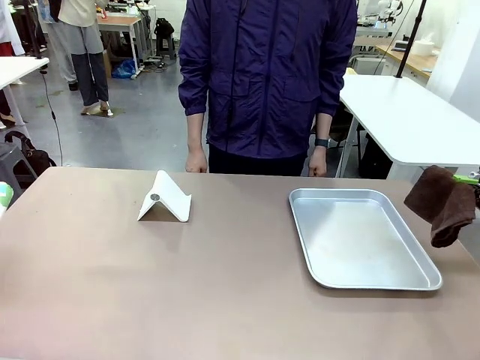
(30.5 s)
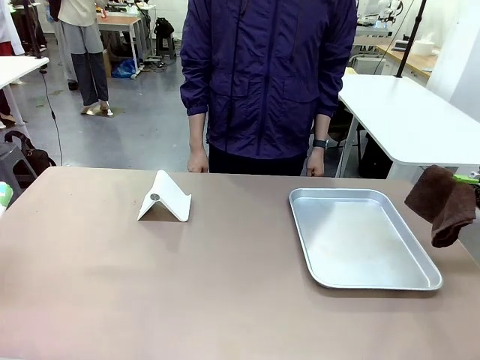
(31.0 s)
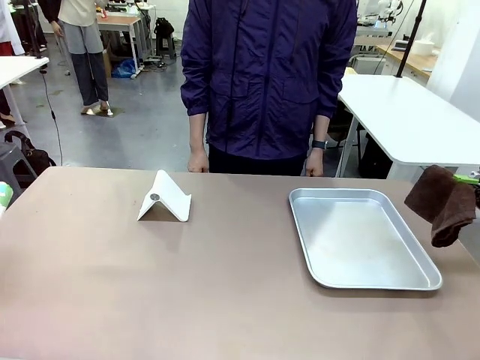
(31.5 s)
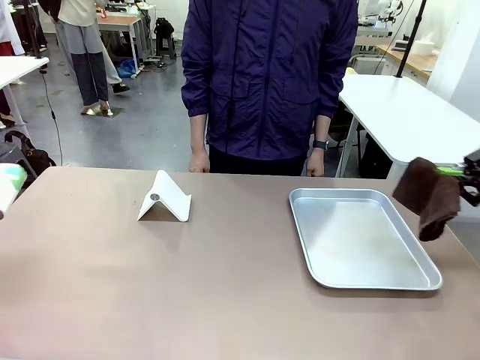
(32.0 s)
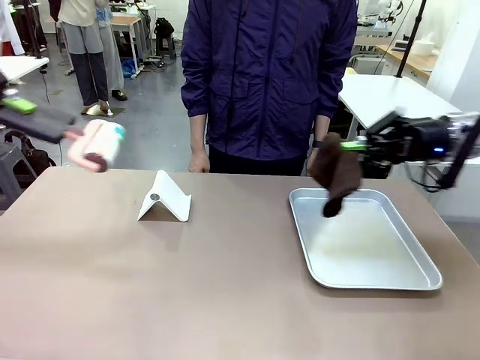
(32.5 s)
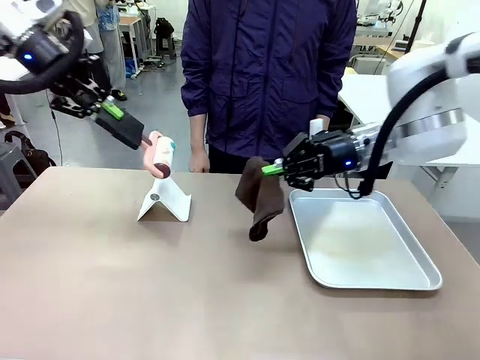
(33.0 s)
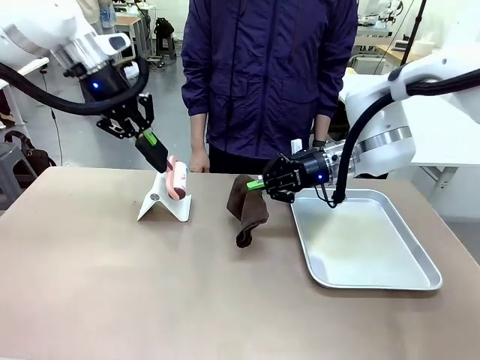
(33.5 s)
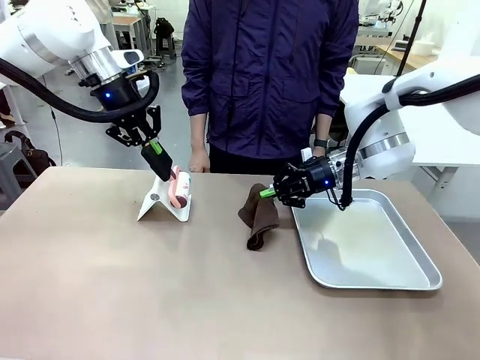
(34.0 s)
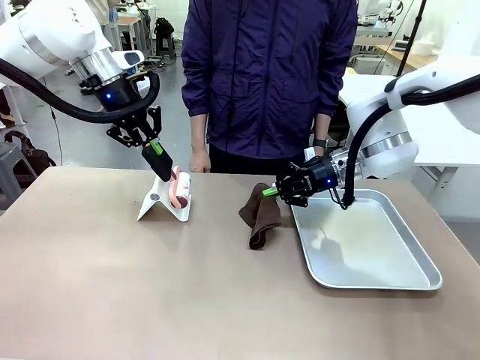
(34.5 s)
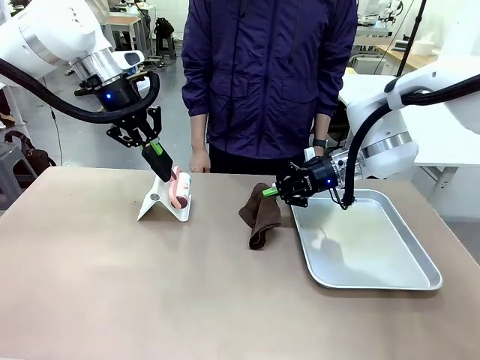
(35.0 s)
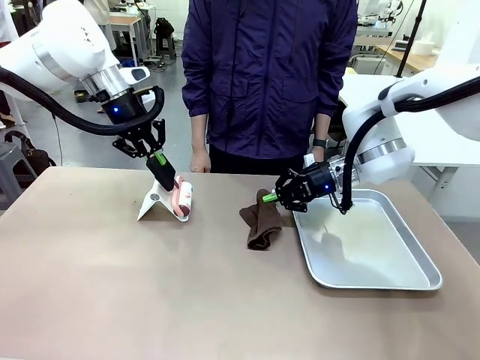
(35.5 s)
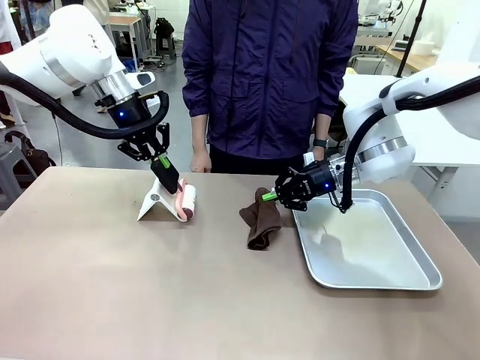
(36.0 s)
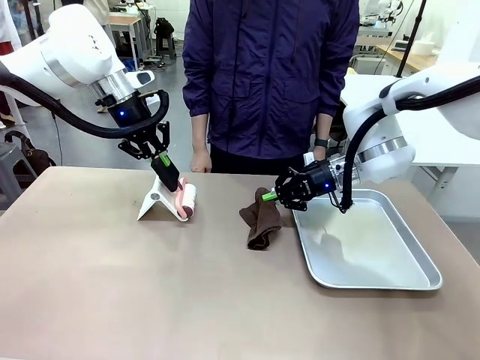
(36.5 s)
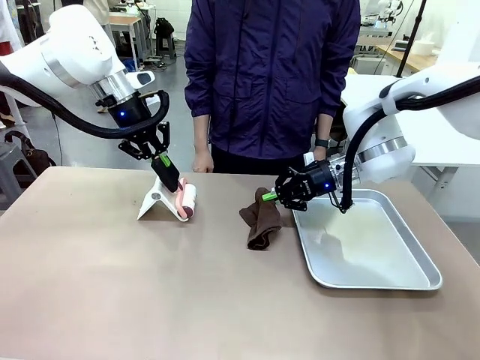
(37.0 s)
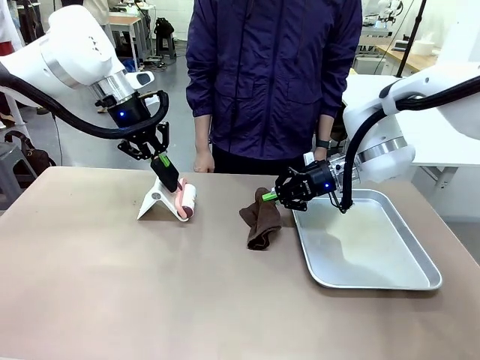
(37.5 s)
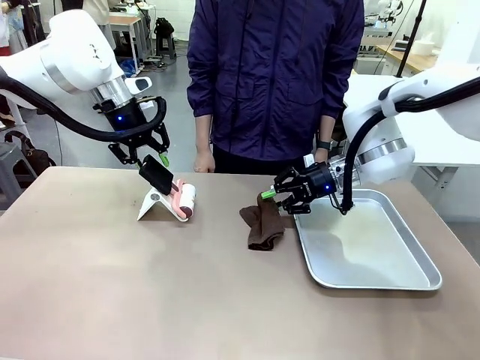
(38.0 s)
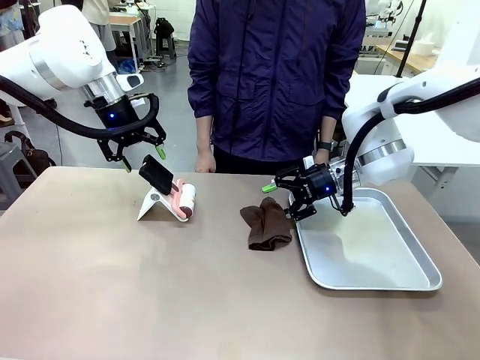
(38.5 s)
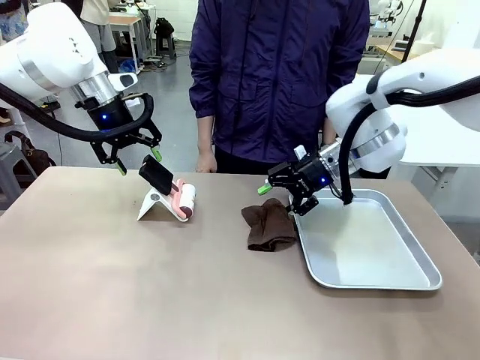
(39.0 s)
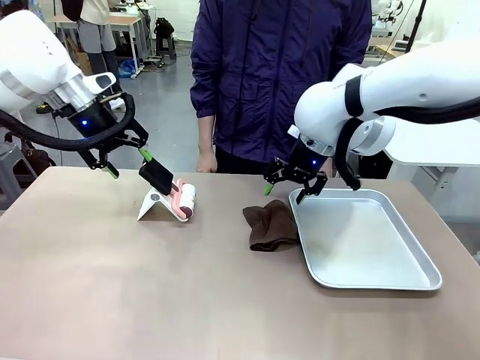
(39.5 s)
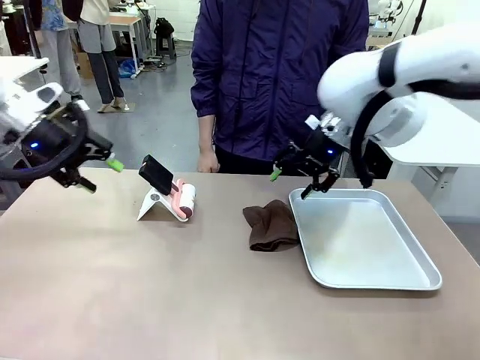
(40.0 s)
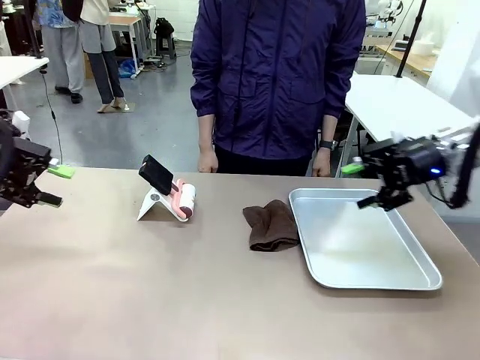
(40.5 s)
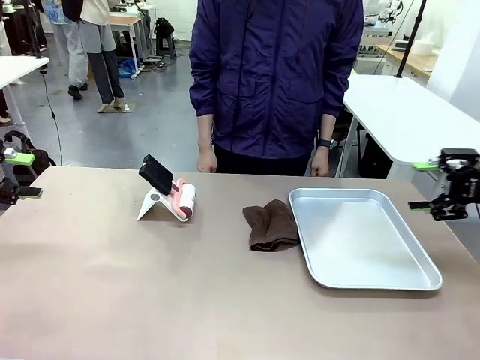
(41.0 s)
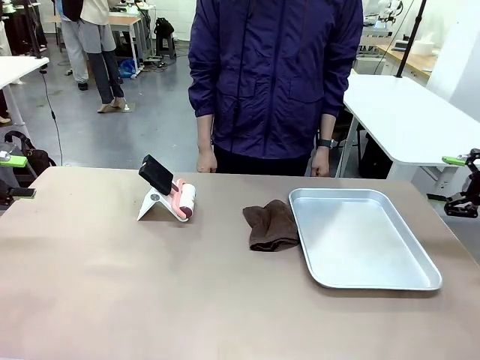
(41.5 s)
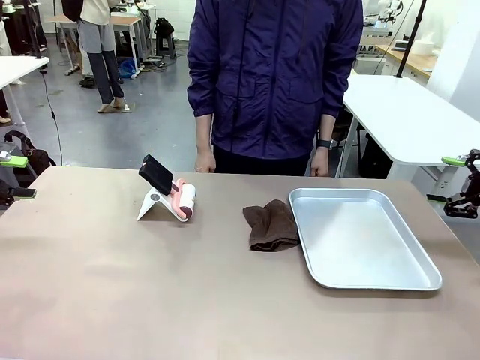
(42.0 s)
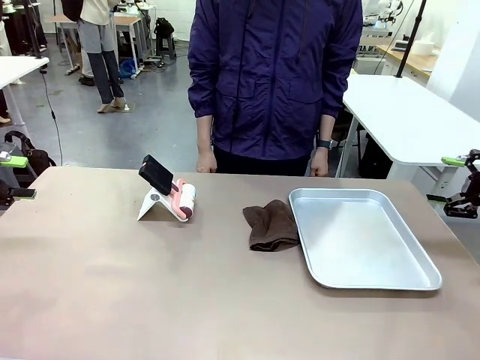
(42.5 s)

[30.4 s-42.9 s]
Task: Clean the surface of the table.
Robot: Return the Lint Roller and towel to their original positions.

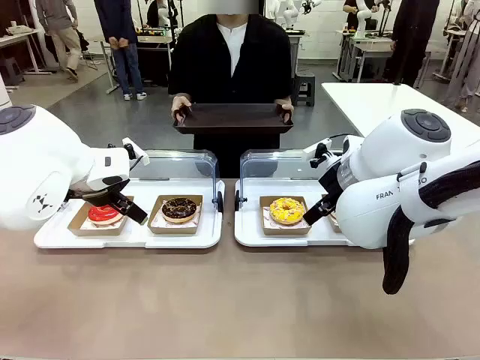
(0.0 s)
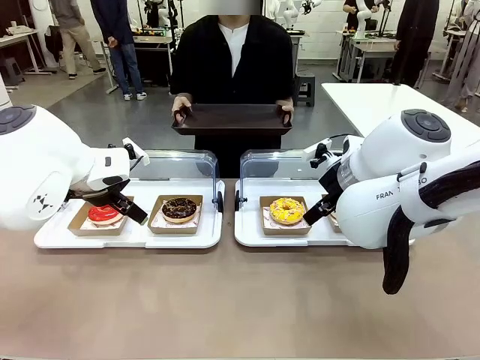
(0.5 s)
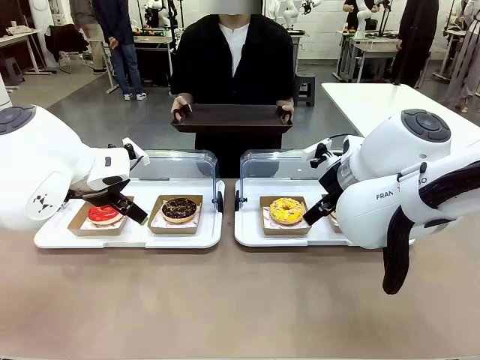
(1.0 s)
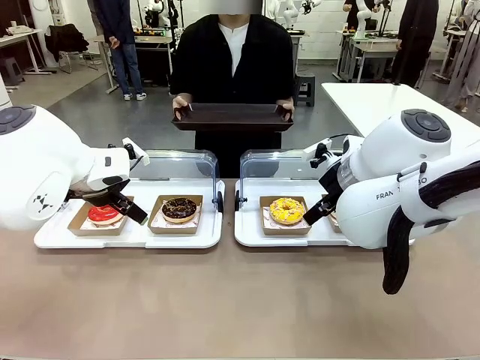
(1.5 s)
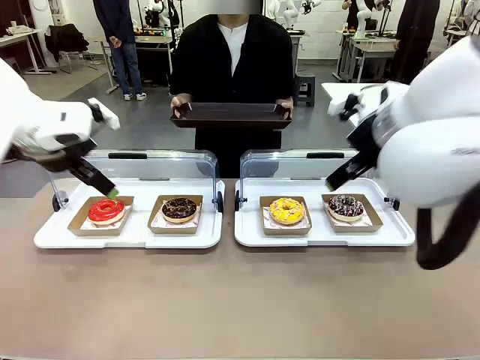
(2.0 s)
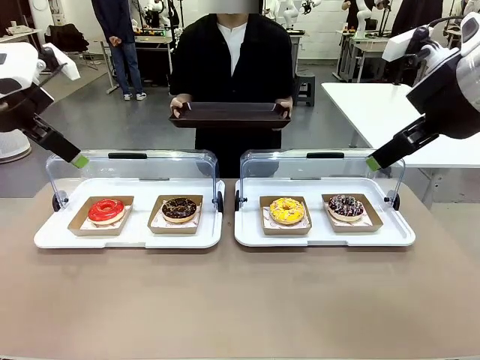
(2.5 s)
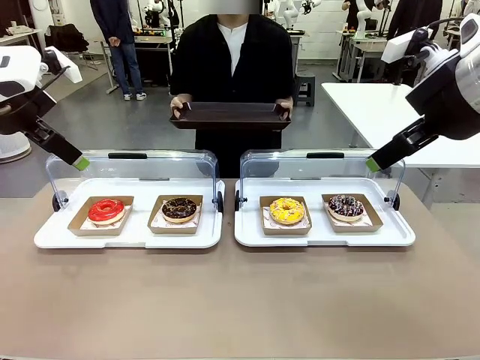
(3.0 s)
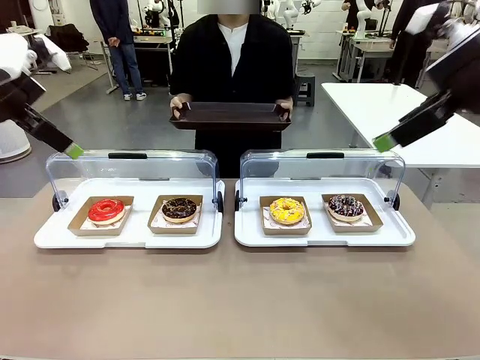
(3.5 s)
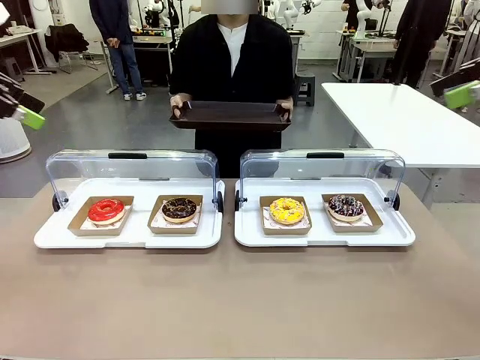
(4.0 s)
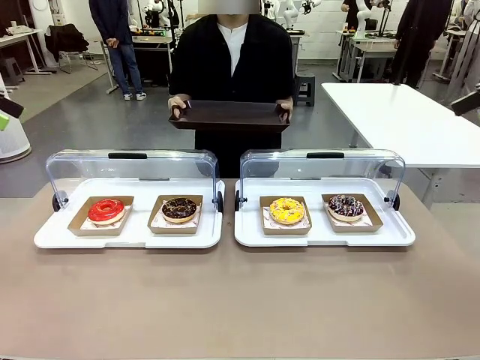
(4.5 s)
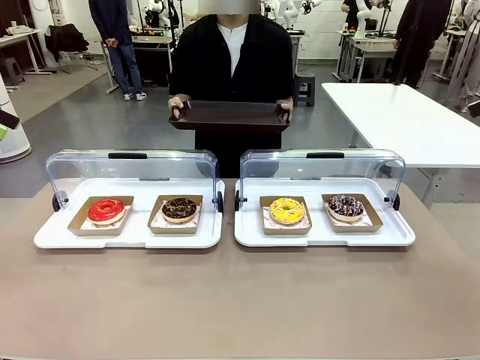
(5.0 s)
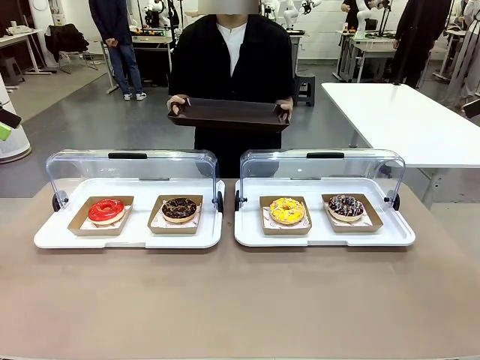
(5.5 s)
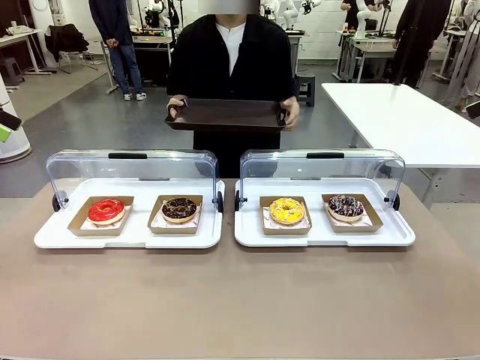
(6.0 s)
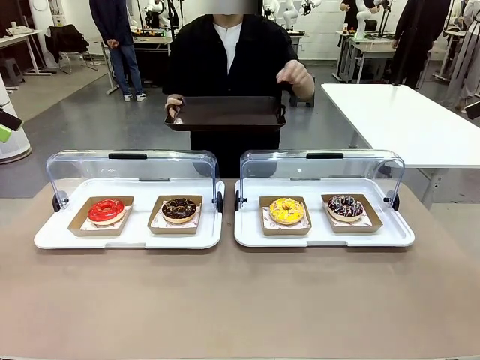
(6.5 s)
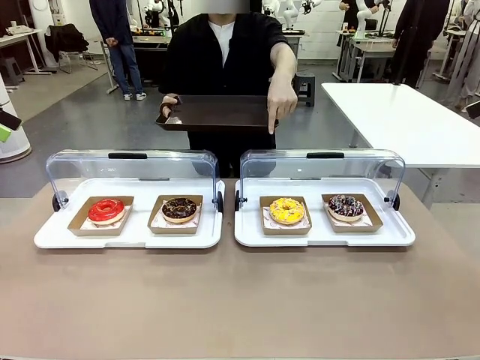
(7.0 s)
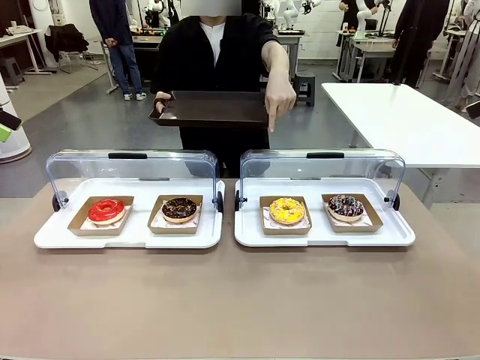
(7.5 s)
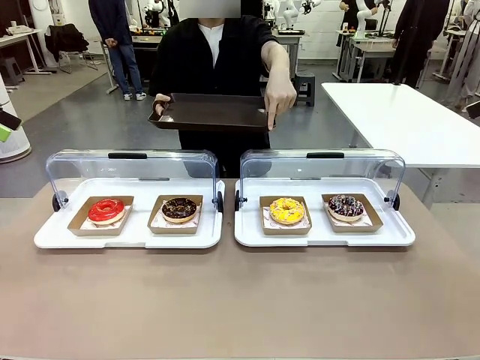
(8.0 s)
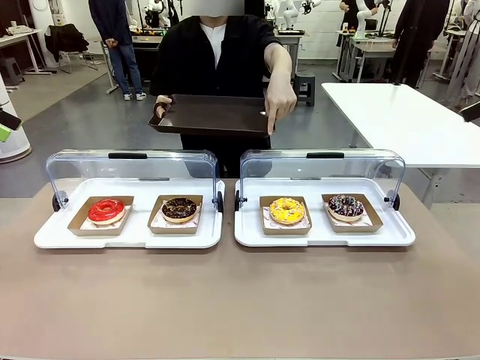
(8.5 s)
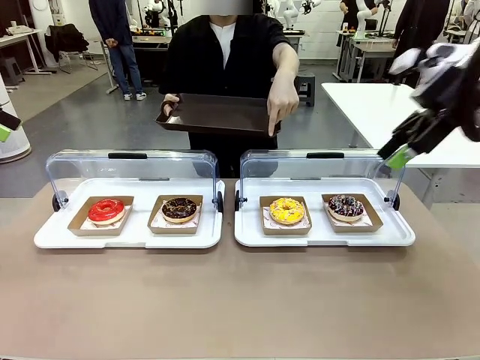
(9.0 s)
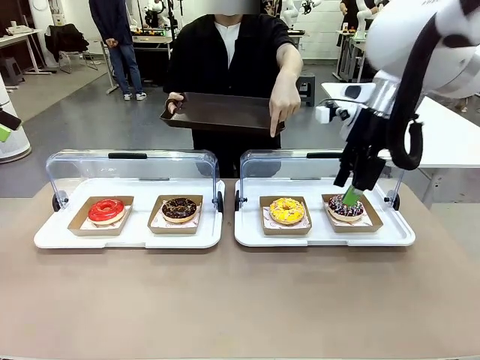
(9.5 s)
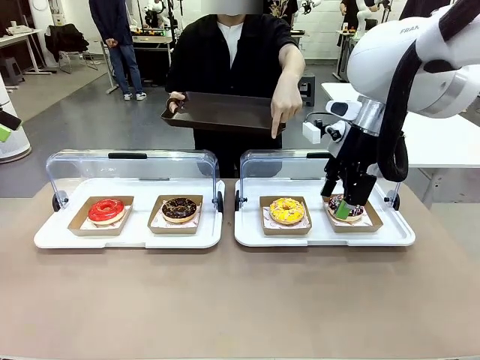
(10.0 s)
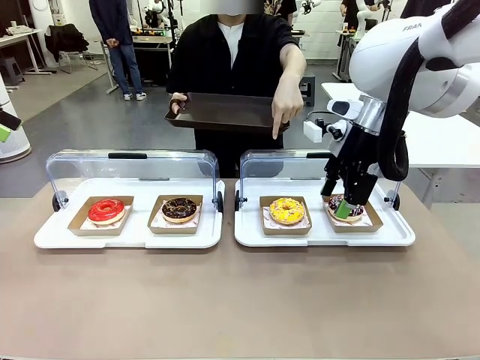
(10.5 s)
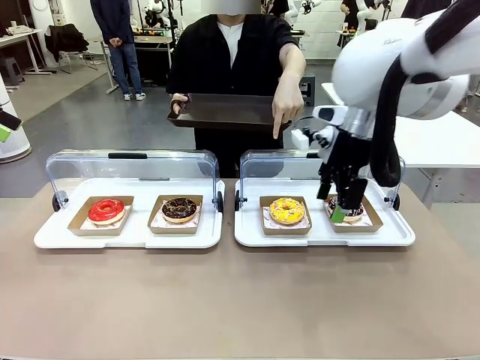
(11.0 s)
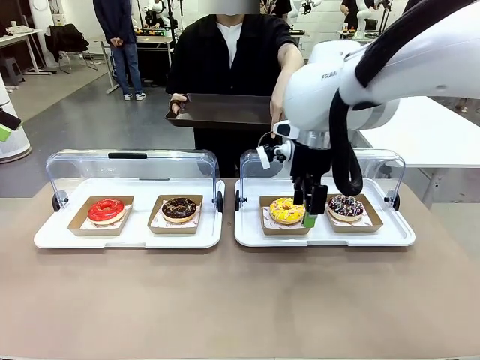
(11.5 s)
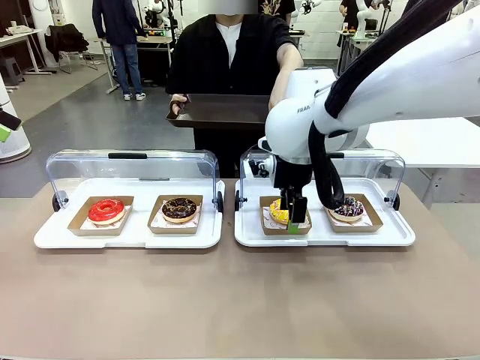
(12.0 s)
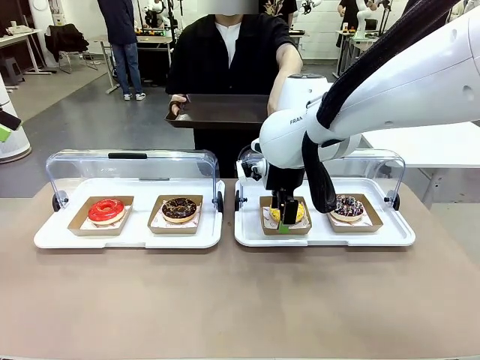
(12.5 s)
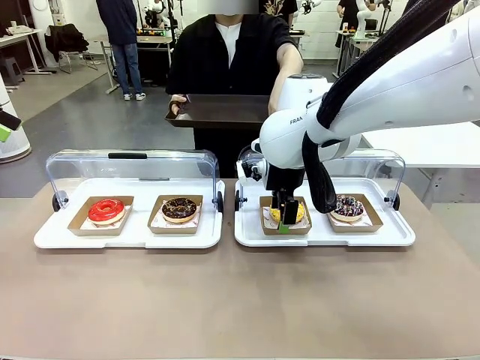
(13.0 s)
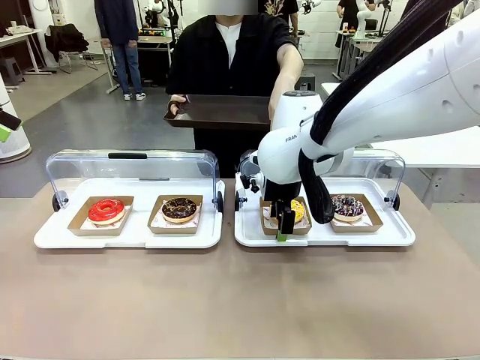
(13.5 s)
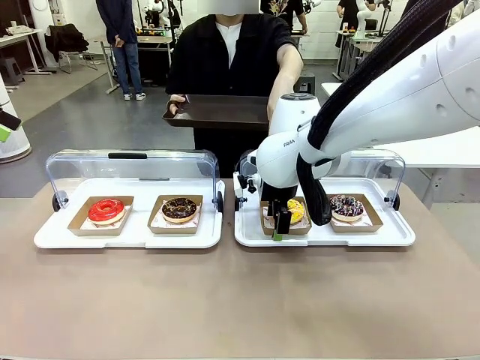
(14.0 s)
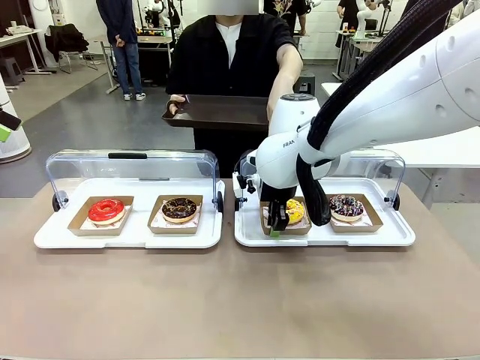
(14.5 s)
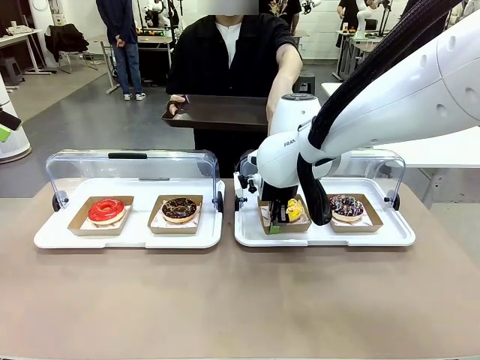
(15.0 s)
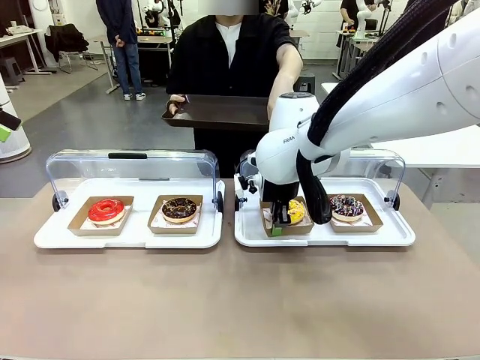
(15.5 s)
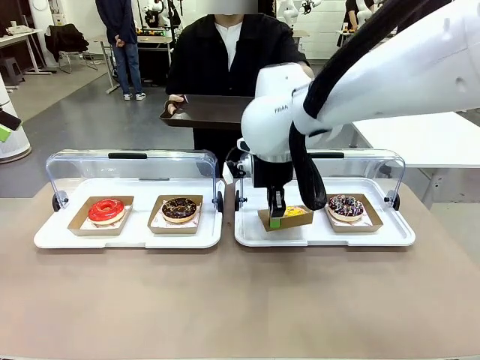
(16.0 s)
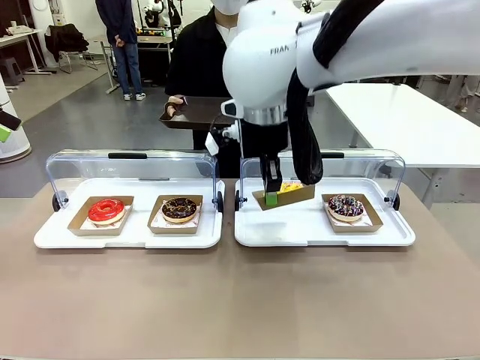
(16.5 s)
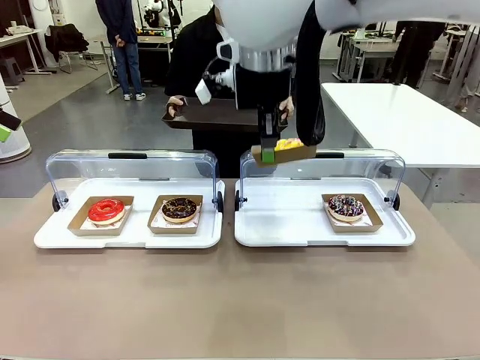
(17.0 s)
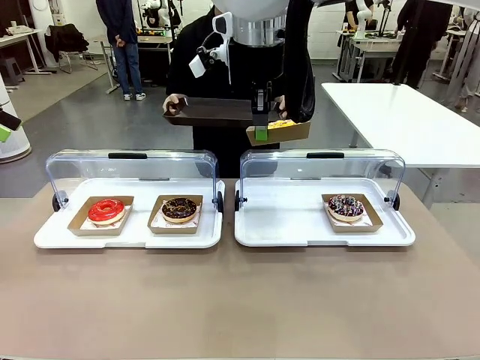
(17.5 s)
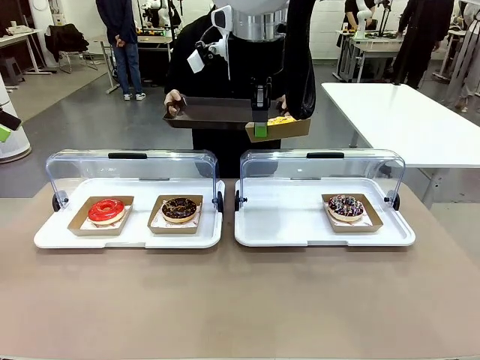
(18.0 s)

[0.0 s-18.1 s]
Task: Provide the desired donut to the person.
Robot: Pick up and lift the Paper togo box containing the Donut pointed at by the person.
Person: Point to one donut. Lift the tray onto the Roll-Top Bakery Case.
